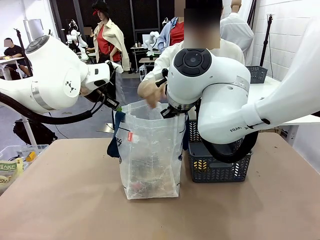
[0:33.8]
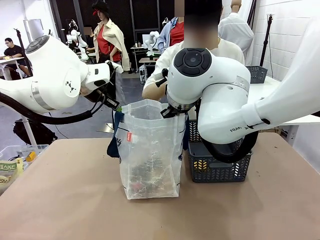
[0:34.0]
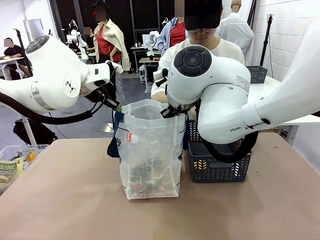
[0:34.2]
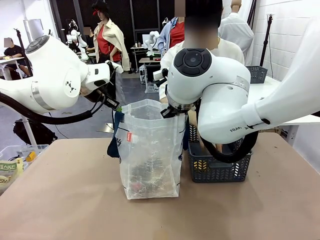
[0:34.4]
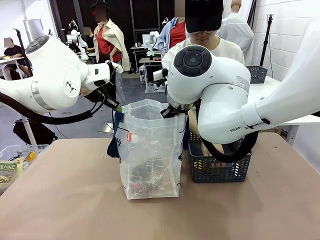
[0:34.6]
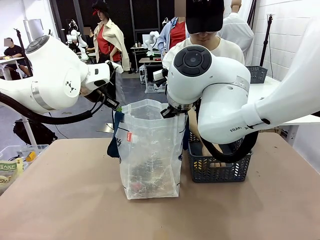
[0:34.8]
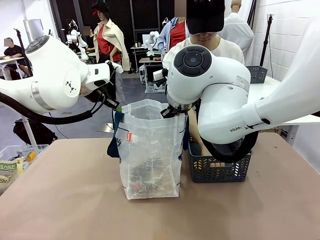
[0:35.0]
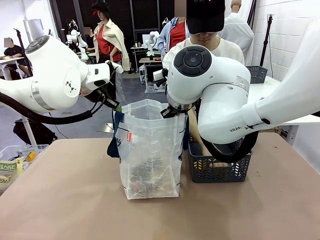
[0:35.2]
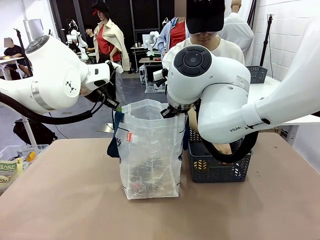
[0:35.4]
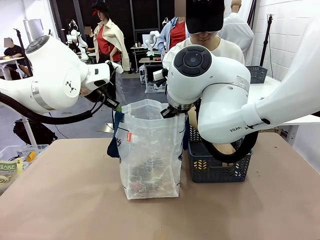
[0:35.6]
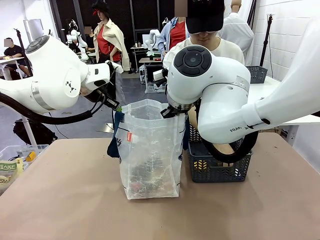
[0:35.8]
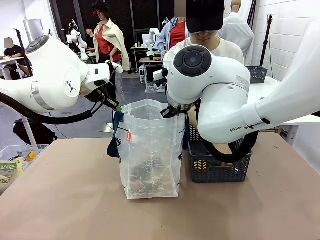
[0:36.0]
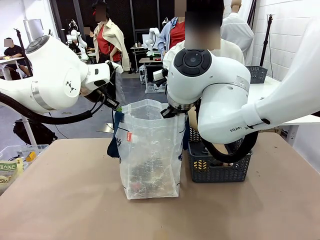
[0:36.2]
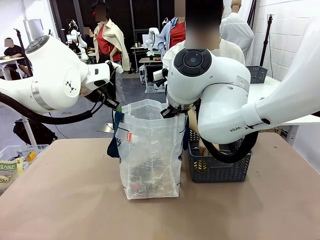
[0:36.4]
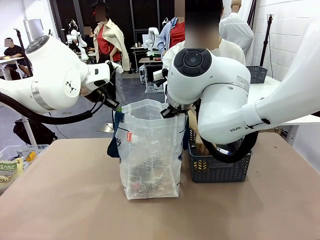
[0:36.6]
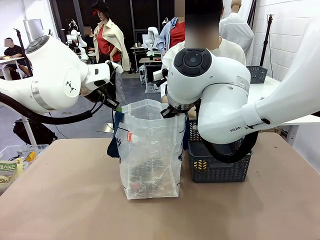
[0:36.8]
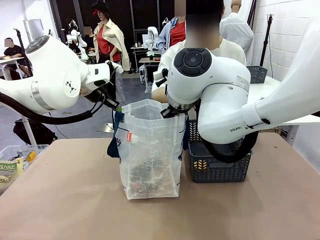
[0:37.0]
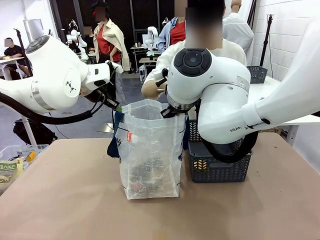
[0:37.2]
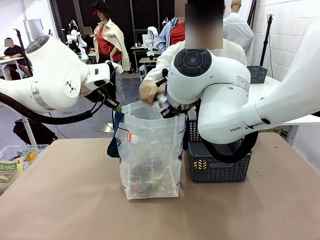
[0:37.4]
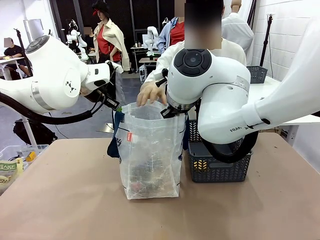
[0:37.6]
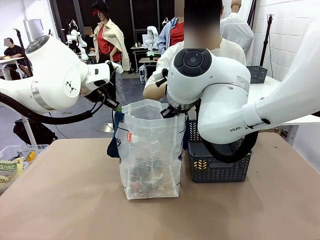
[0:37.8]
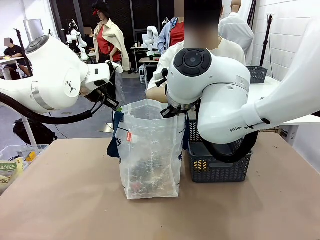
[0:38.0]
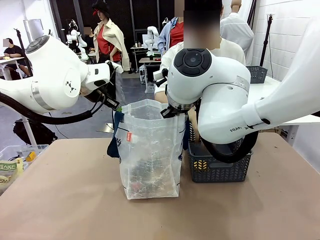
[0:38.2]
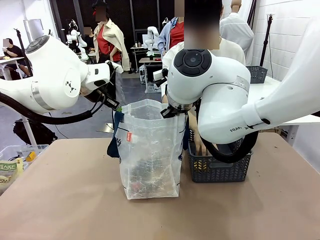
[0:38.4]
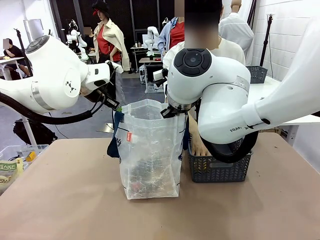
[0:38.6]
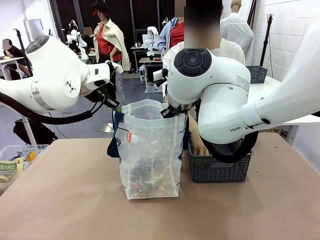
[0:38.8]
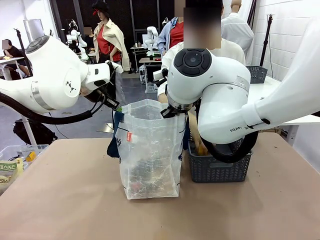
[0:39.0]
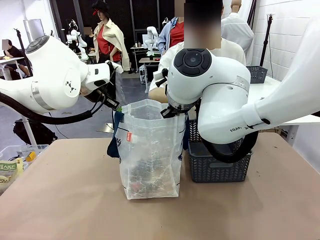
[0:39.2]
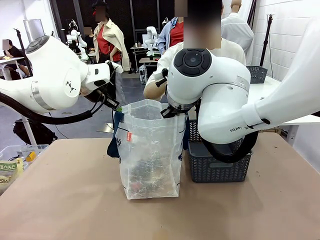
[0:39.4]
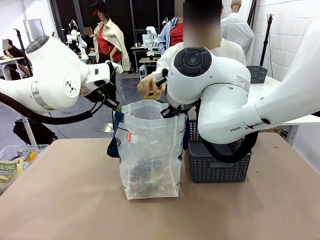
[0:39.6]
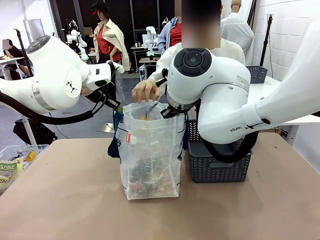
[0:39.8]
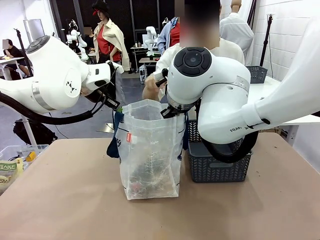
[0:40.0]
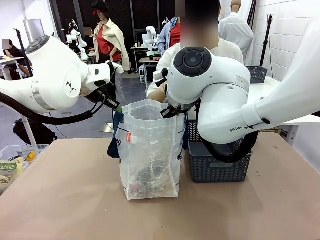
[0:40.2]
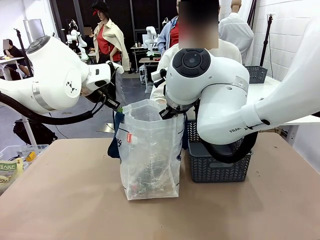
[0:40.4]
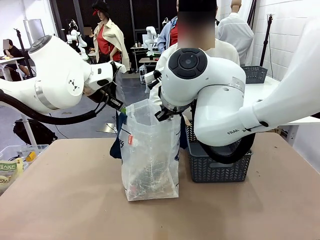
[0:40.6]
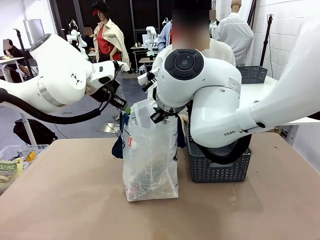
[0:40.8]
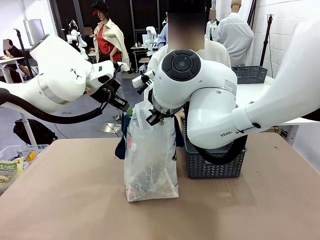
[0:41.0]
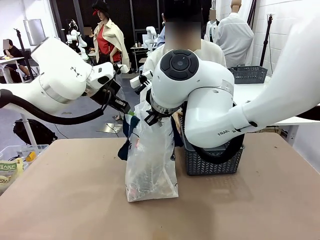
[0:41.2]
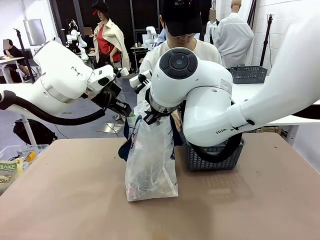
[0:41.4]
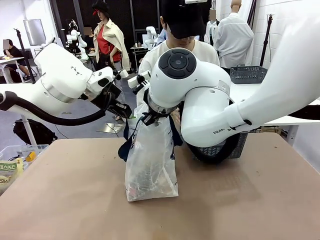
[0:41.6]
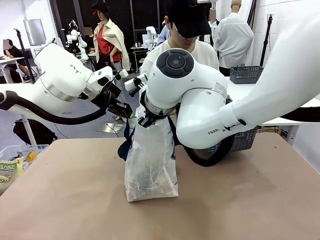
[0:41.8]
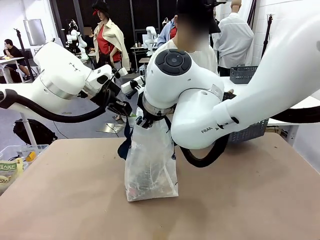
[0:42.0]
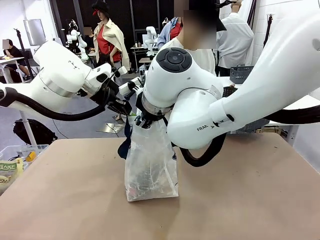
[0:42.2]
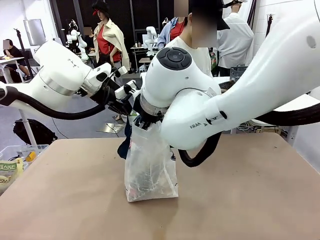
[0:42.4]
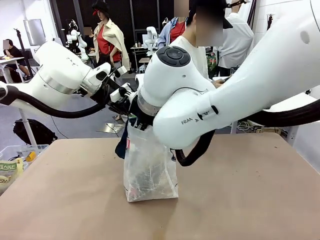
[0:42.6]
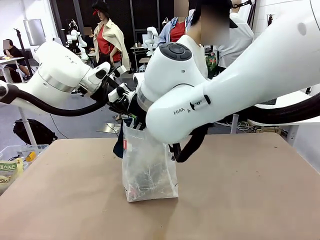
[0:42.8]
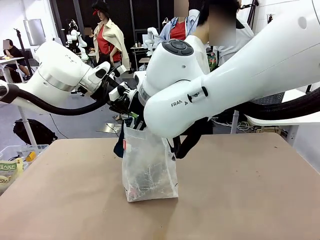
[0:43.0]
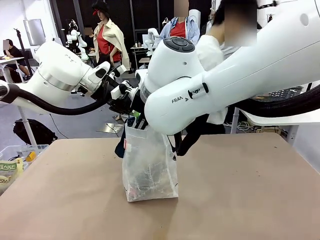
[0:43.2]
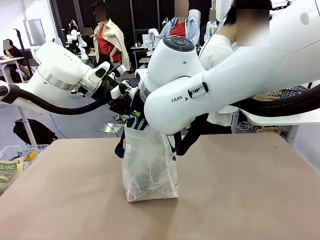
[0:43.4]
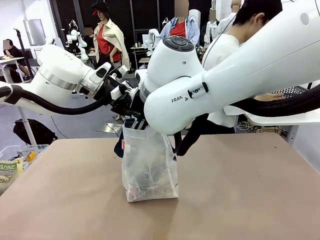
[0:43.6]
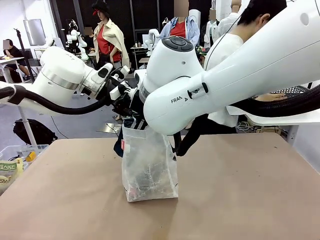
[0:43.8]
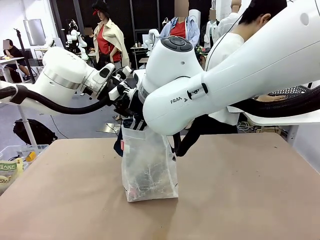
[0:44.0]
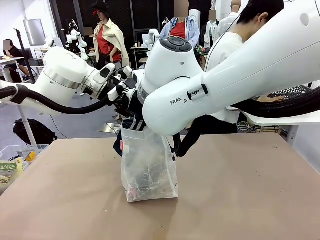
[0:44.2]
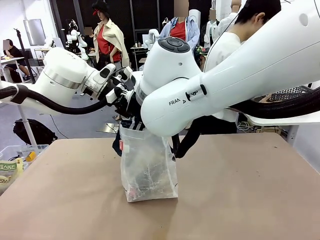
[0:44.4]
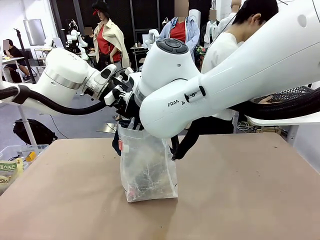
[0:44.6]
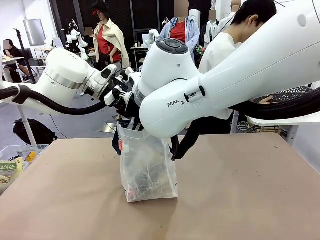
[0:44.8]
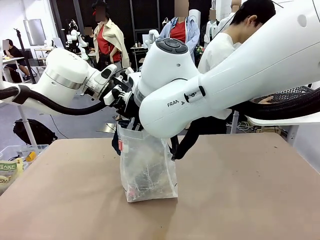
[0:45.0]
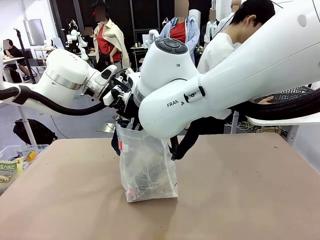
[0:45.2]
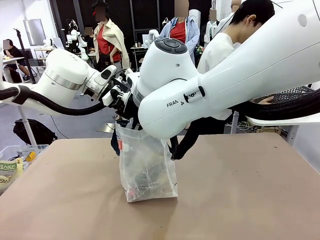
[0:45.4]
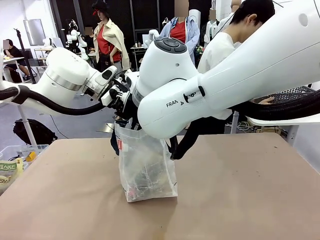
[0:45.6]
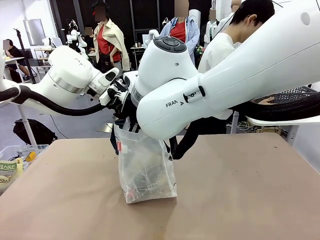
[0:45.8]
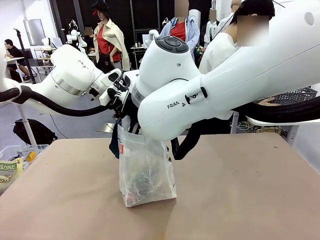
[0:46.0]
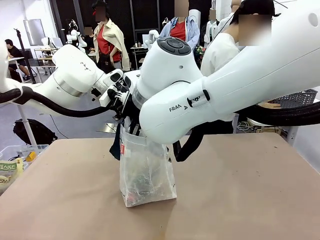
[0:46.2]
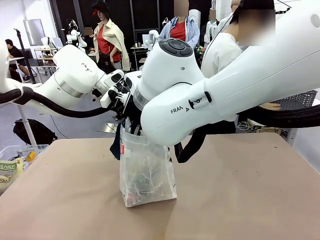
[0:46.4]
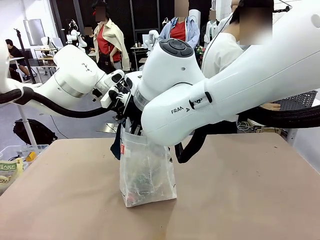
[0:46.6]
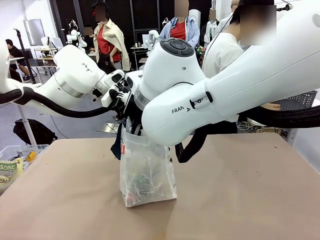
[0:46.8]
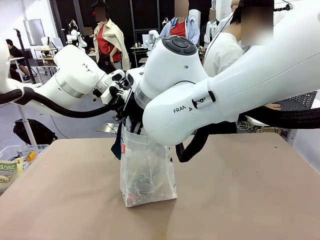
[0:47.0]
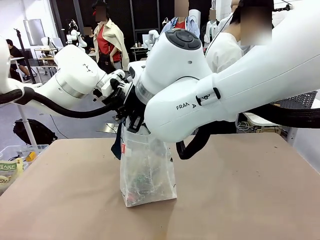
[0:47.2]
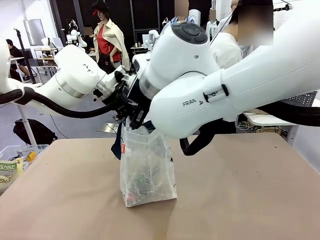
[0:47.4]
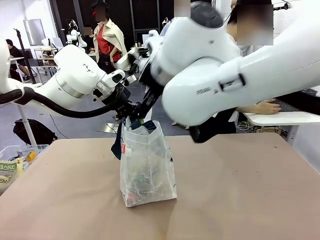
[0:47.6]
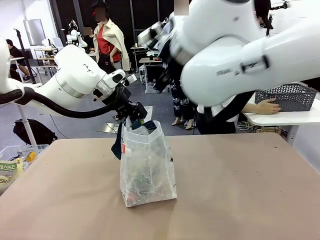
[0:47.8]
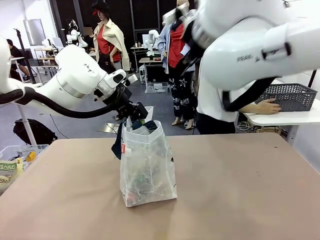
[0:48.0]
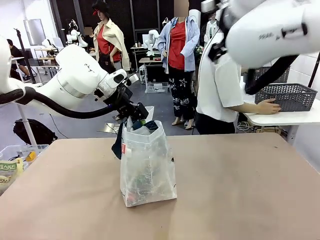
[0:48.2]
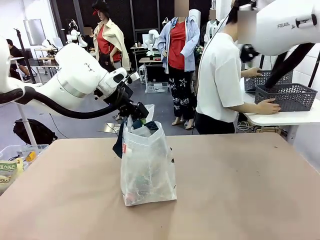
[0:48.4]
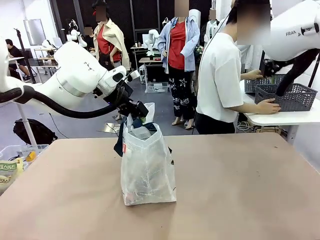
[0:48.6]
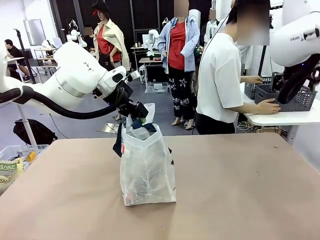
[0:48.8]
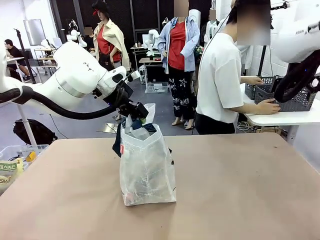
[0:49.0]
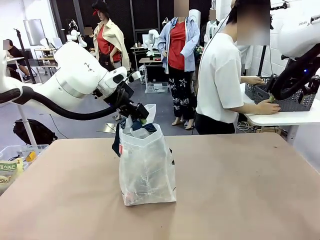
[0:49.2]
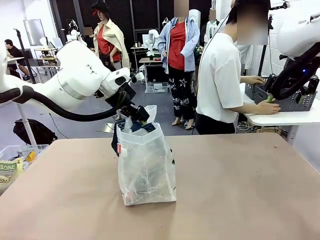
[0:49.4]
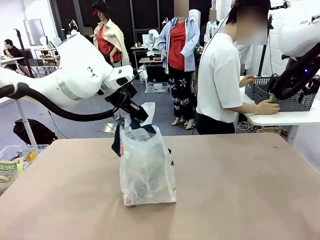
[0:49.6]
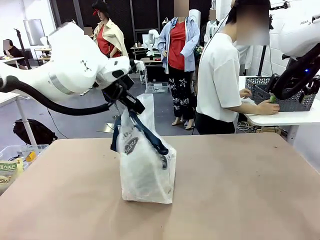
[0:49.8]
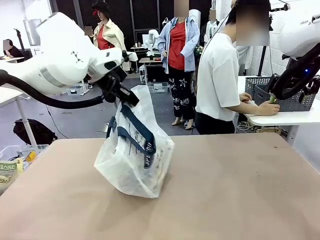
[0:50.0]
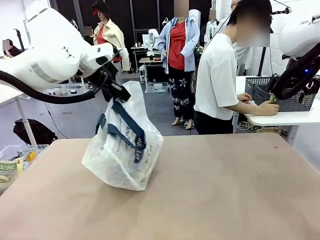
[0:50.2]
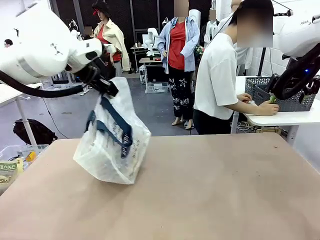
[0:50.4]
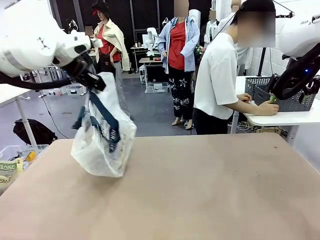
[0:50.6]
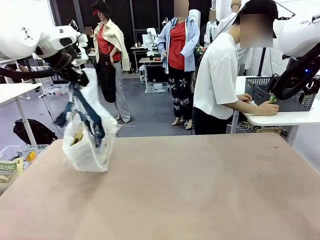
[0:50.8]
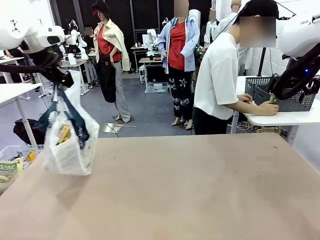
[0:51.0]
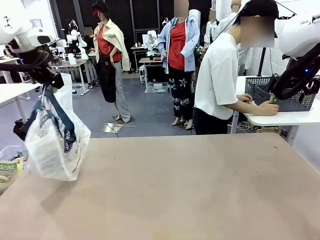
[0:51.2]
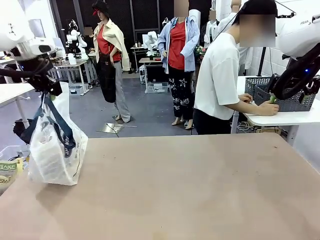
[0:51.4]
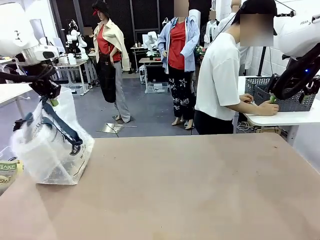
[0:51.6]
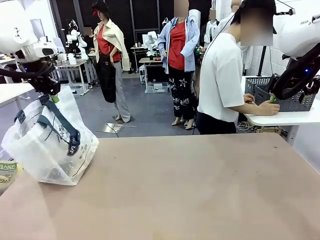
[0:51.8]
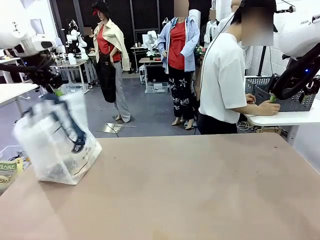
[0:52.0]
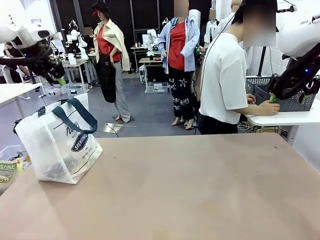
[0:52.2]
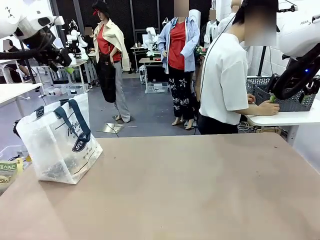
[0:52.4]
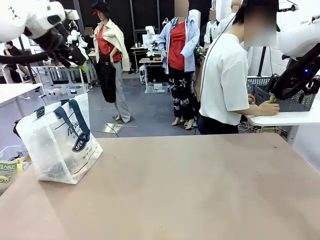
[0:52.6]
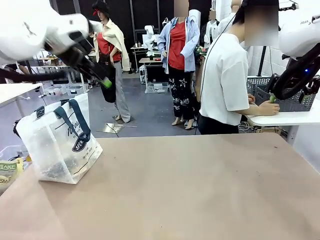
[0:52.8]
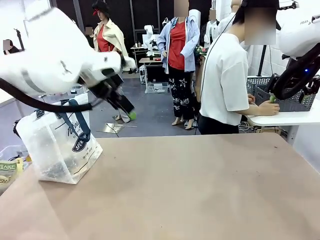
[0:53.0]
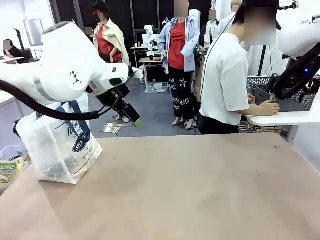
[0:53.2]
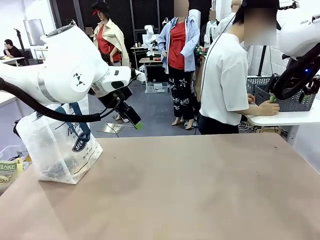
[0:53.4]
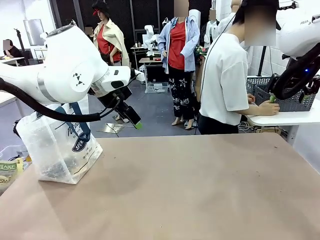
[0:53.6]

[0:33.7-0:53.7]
Task: Transfer purchased items from the store into the shopping bag.
Robot: Move the Reusable shopping bag to the right side of the table.
Person: Move the basket on the left to the middle of the person's table.
